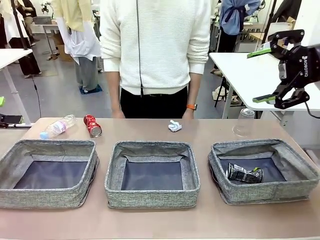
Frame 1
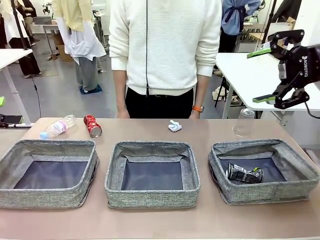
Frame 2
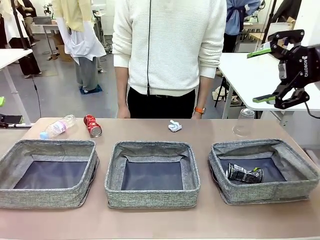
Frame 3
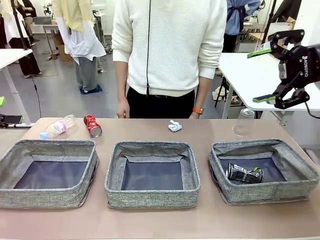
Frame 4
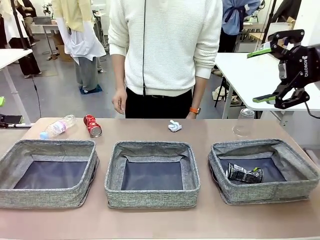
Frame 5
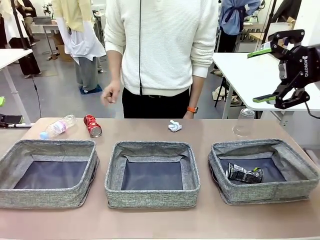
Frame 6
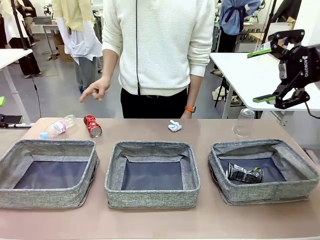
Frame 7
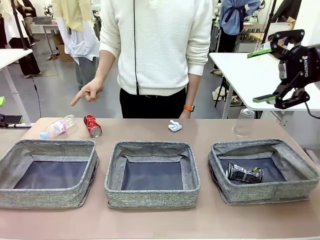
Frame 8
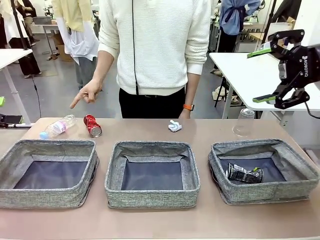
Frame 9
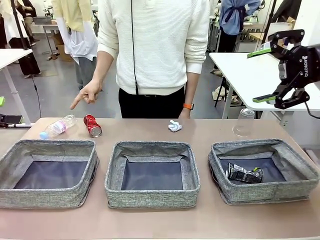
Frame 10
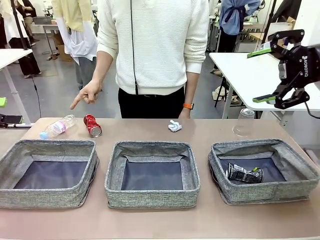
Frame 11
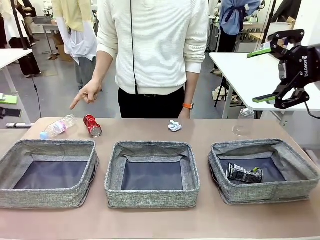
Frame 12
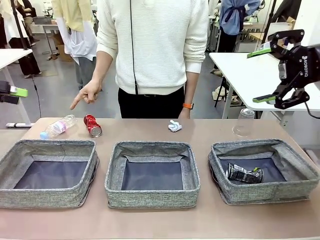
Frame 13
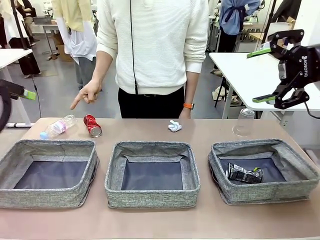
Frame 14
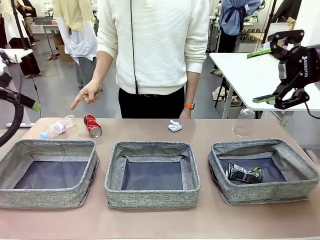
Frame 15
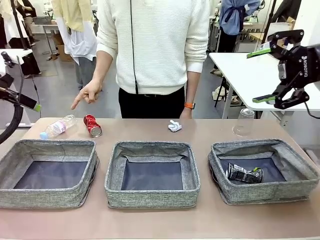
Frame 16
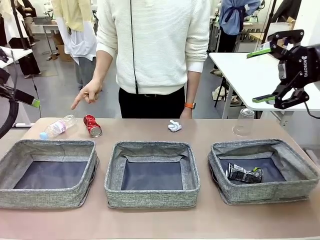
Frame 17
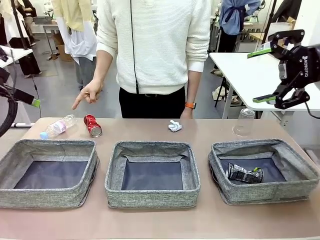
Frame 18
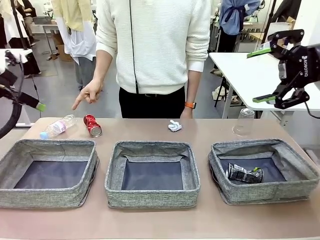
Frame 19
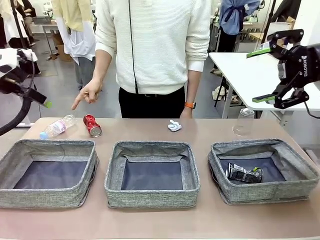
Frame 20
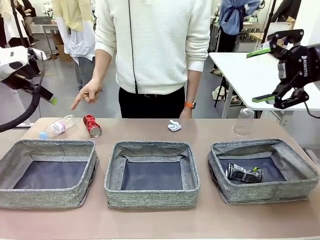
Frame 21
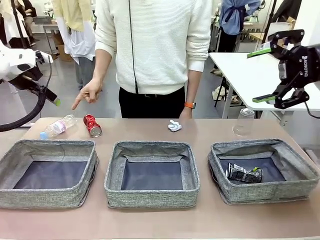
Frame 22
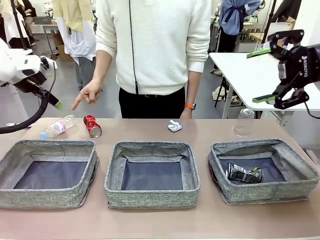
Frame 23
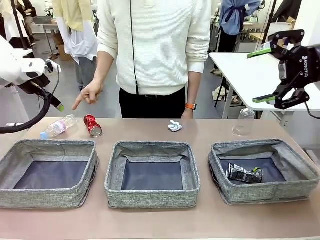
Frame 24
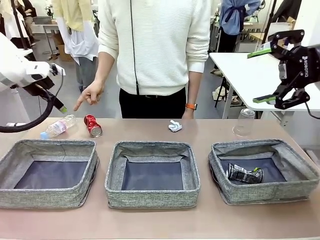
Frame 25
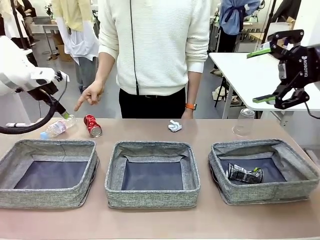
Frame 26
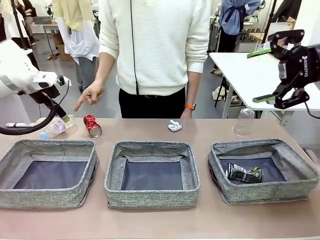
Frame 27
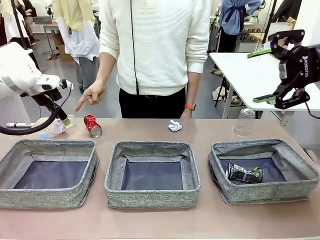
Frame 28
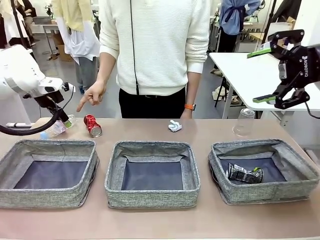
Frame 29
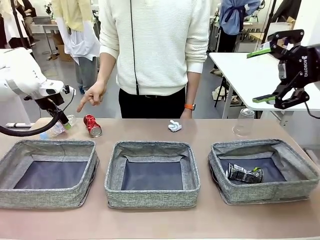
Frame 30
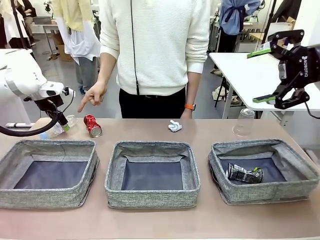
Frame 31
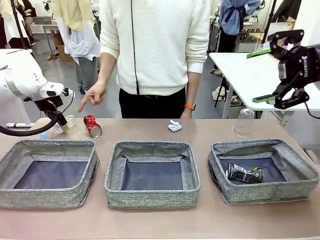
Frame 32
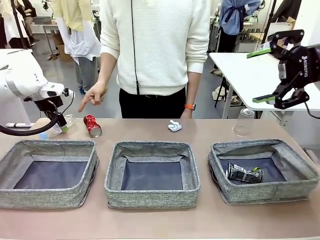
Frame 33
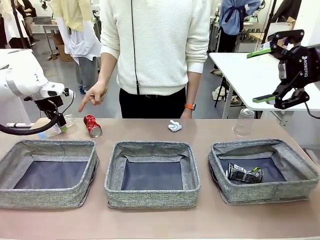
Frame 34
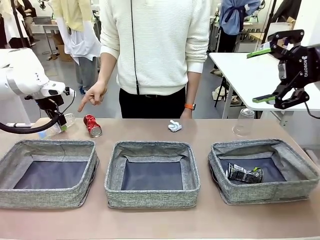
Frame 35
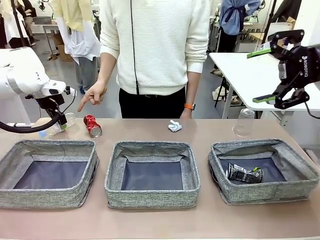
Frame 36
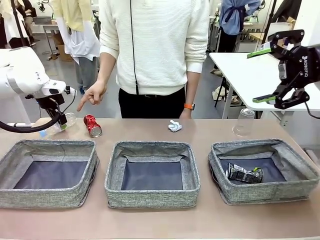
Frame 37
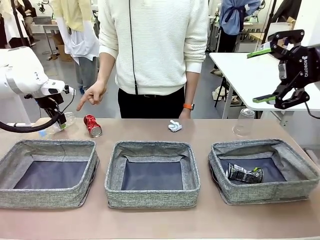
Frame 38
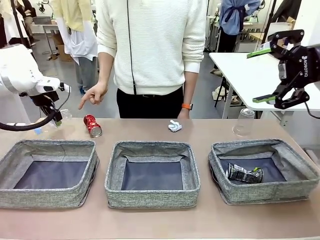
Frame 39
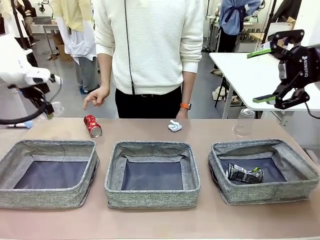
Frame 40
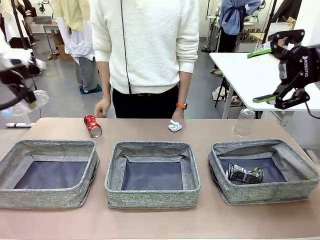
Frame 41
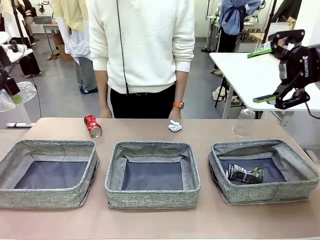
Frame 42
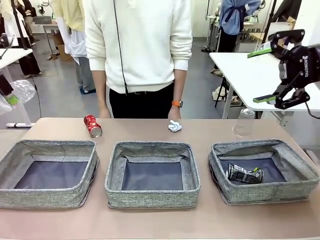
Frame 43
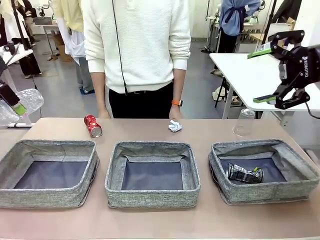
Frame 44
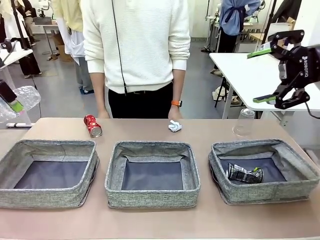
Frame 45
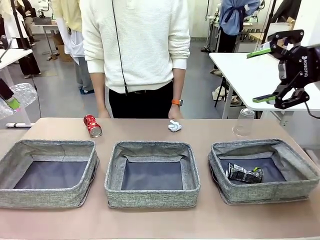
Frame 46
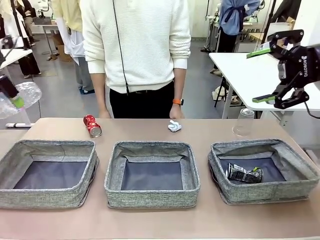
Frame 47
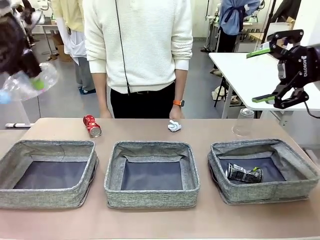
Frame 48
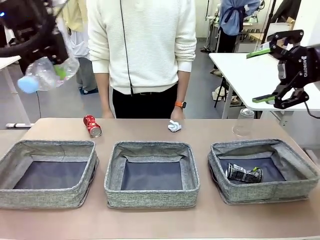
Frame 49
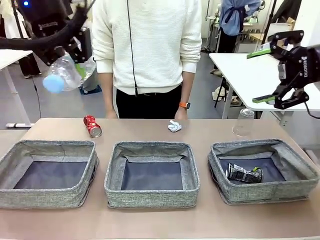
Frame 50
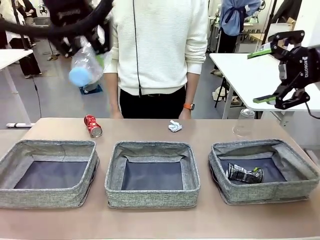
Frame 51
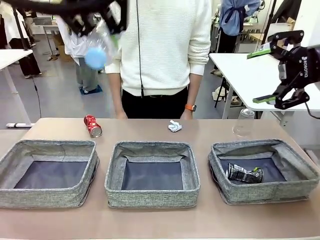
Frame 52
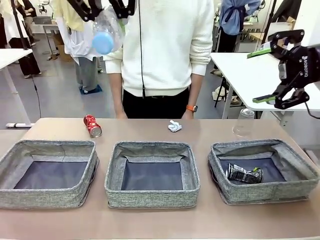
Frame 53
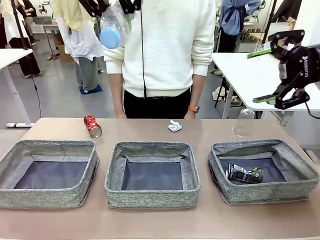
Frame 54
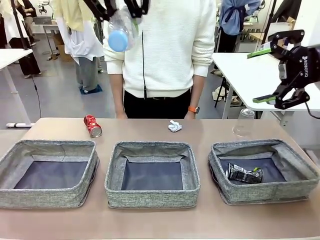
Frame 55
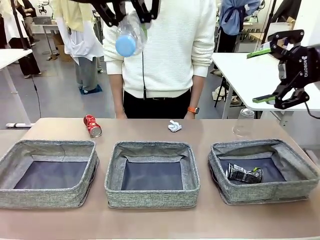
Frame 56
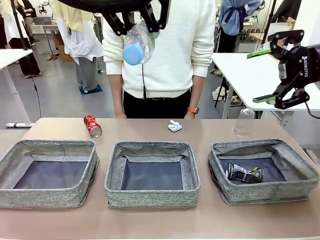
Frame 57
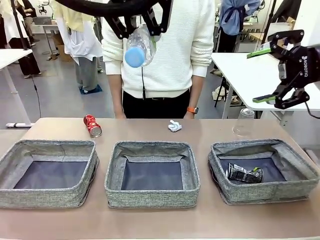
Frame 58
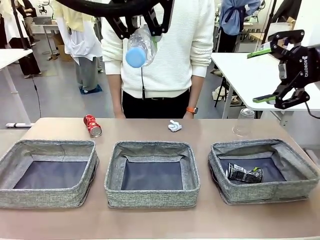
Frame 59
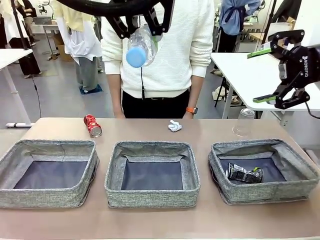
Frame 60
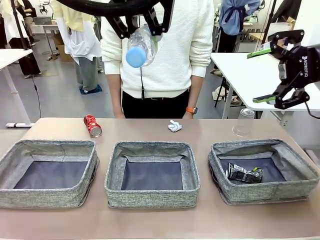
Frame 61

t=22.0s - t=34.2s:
Task: Sort the waste into the appropriate baskets.
Robot: Pick up the waste item pointed out by the person.
Person: Points to one piece of trash on the table.

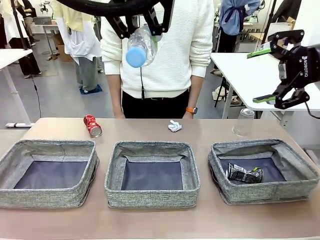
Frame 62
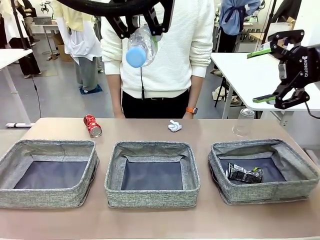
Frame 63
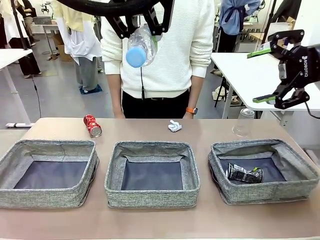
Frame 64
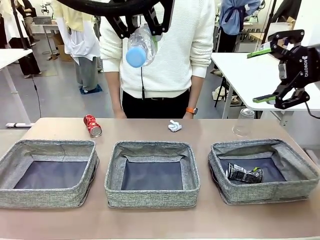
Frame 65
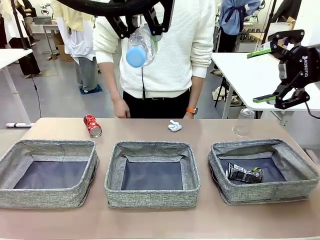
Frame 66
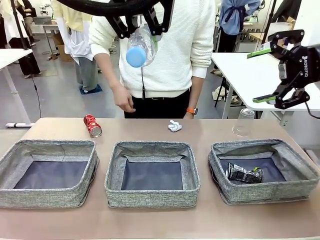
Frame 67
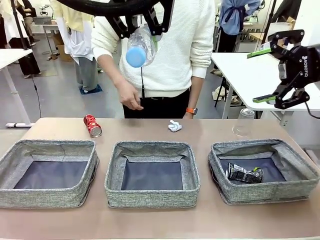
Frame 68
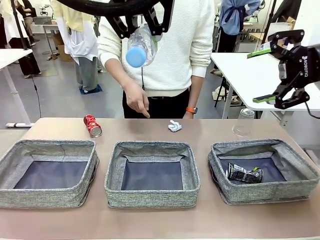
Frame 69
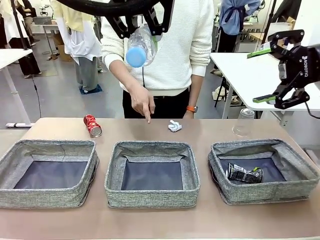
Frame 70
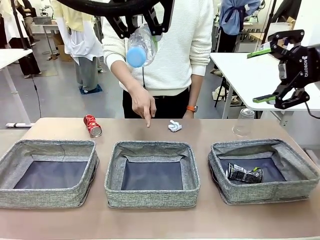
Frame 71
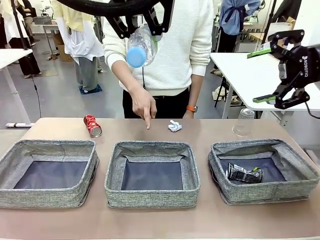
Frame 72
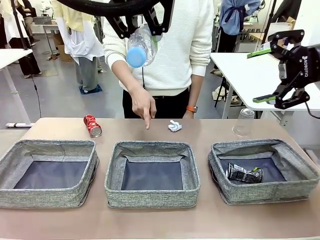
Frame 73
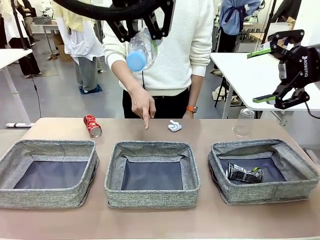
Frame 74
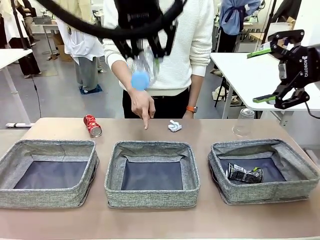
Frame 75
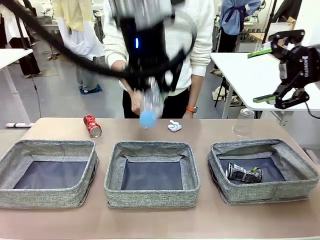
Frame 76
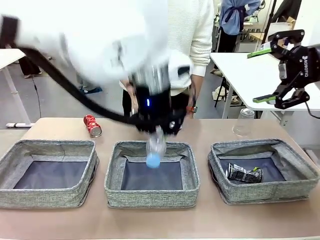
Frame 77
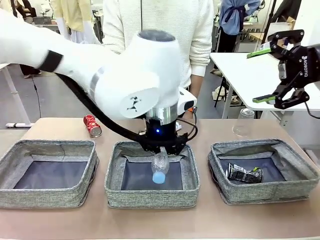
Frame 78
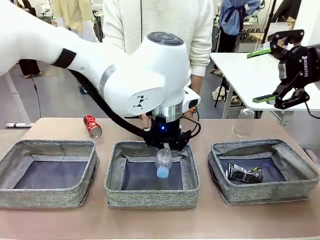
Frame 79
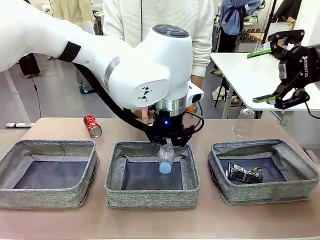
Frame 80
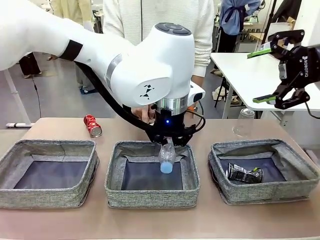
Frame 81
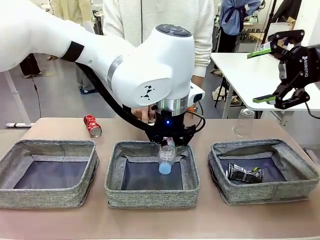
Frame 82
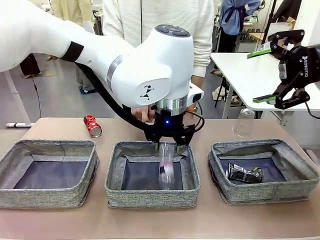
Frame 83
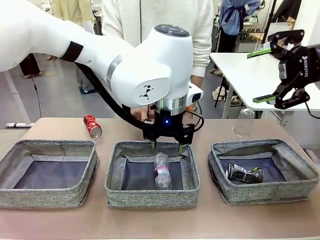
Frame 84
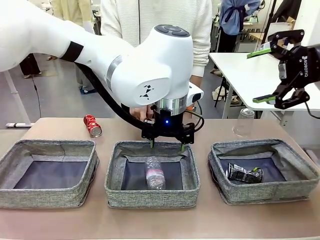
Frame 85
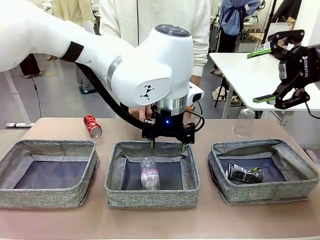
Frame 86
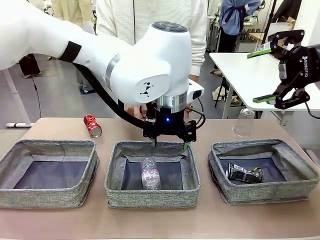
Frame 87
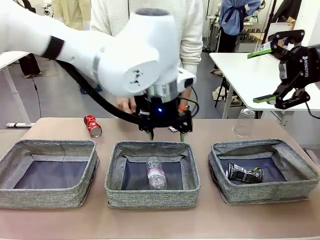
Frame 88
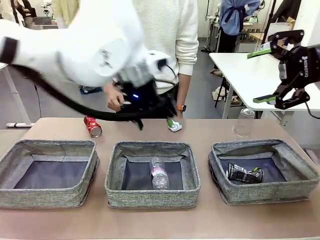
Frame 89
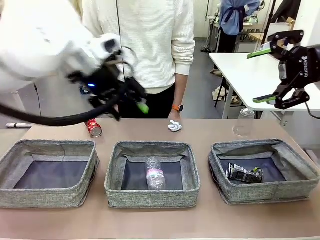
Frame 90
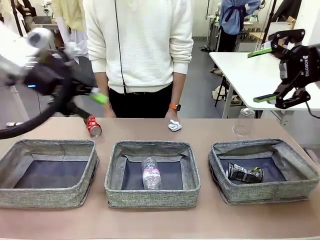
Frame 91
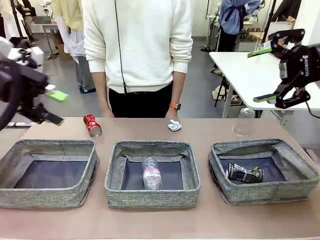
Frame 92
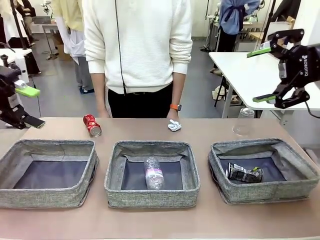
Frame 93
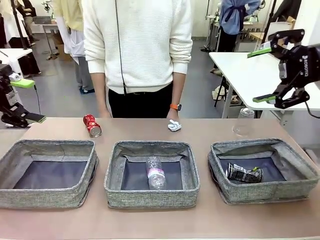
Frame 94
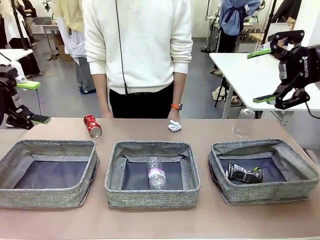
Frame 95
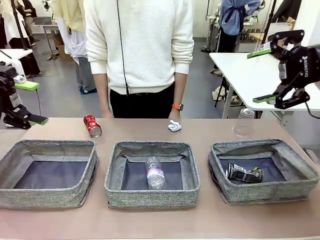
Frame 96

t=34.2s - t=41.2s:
Robot: Place the picked waste into the Fabric basket indicated by the person.
Person: Instructs the robot to place the picked-up trash into the appropriate organizing basket.
